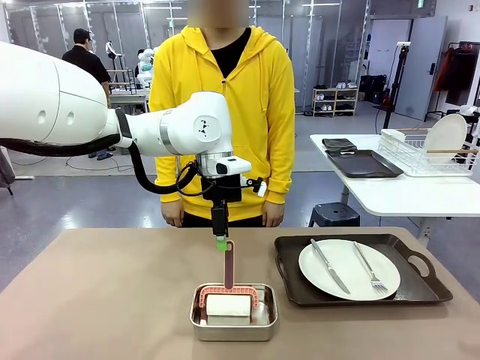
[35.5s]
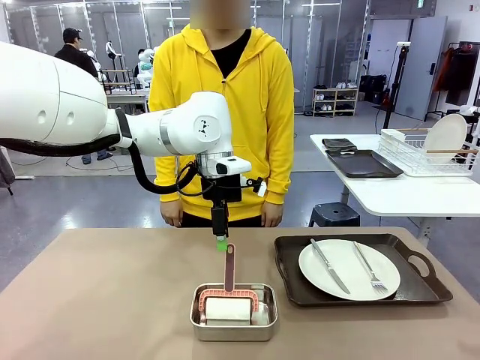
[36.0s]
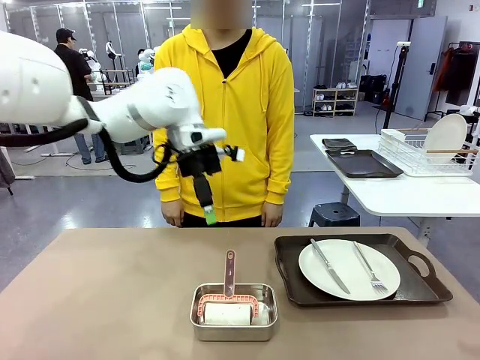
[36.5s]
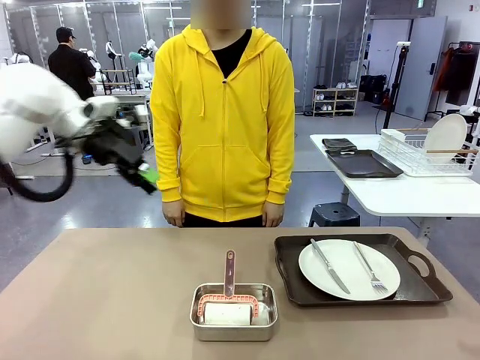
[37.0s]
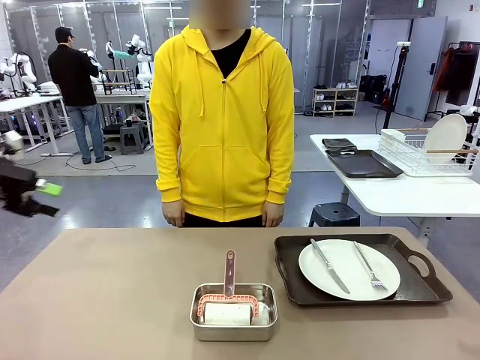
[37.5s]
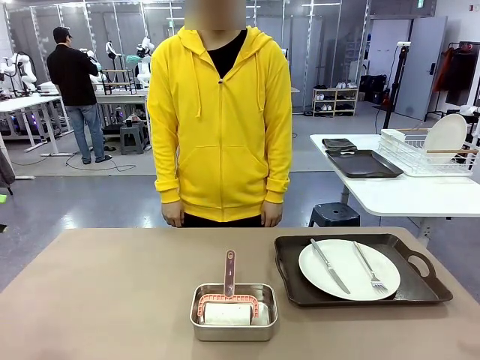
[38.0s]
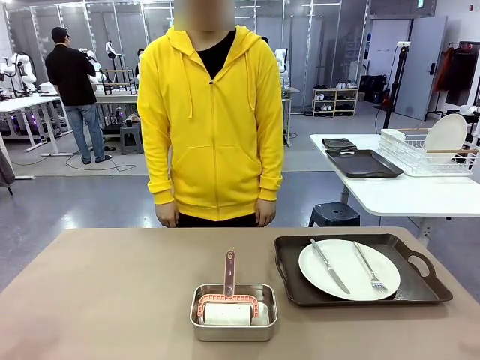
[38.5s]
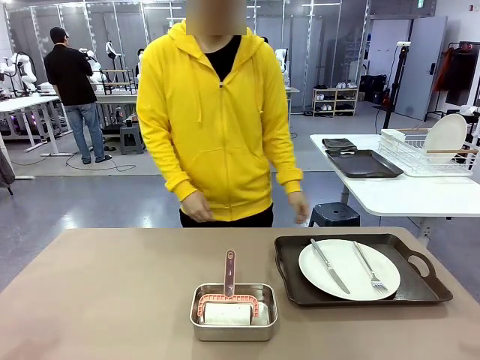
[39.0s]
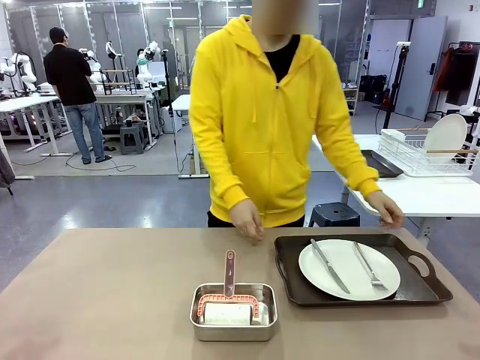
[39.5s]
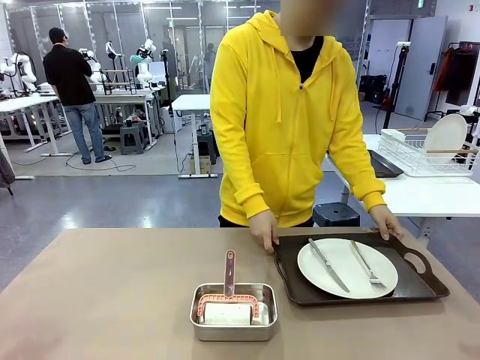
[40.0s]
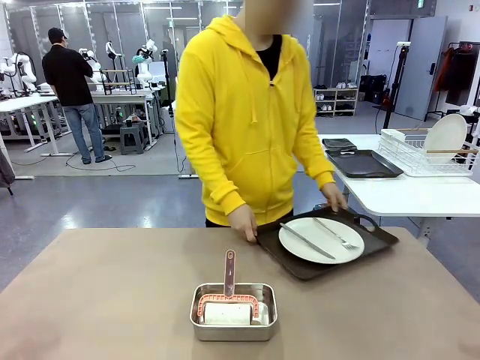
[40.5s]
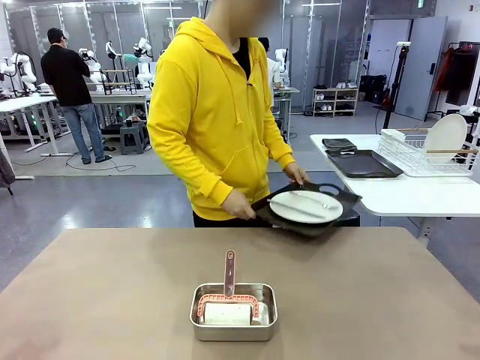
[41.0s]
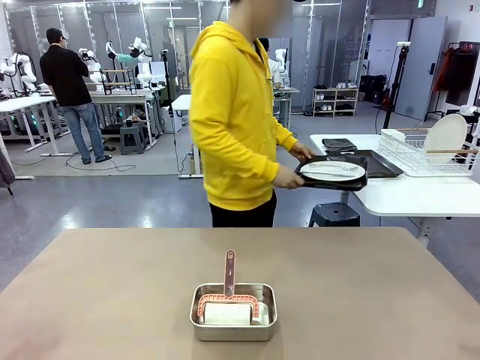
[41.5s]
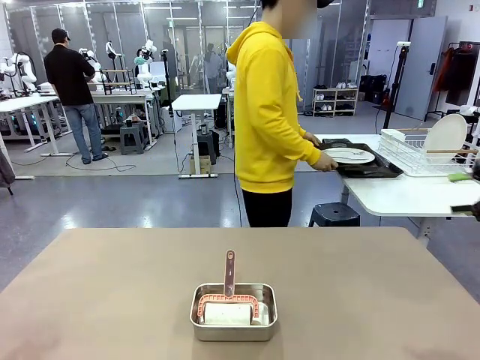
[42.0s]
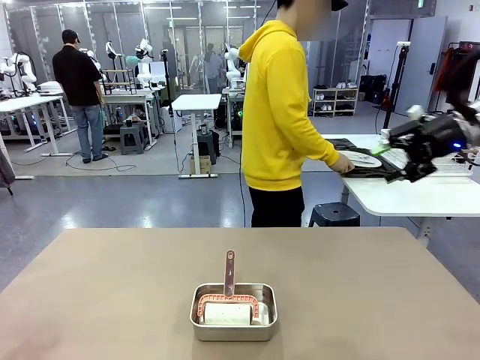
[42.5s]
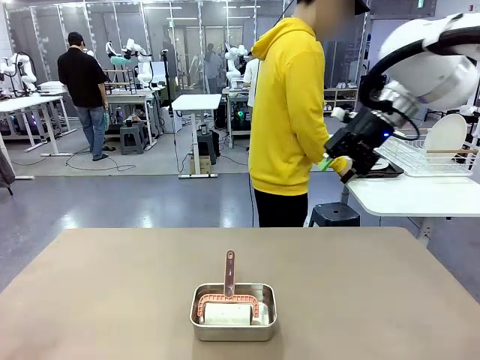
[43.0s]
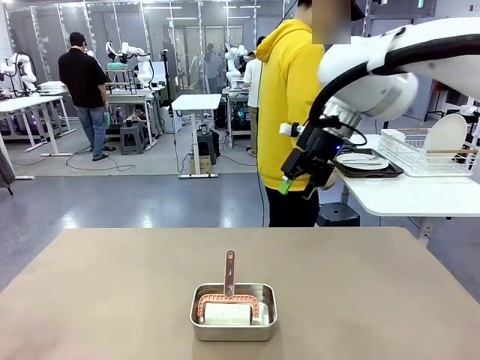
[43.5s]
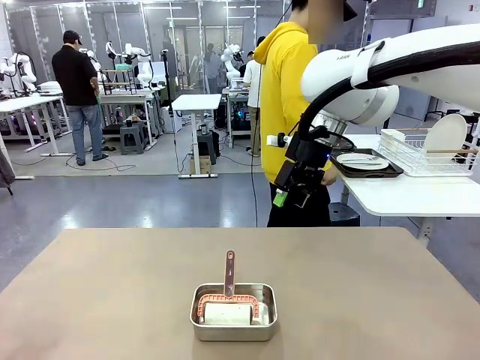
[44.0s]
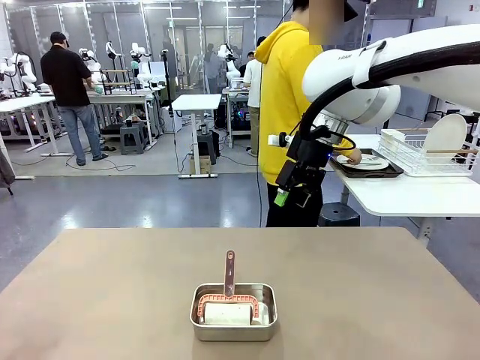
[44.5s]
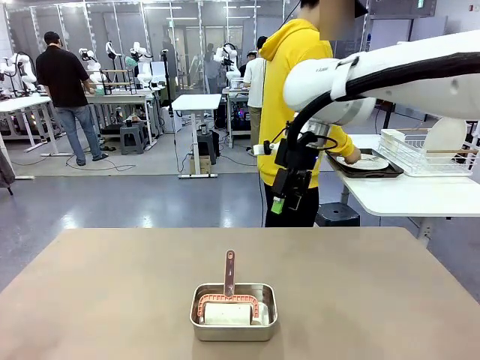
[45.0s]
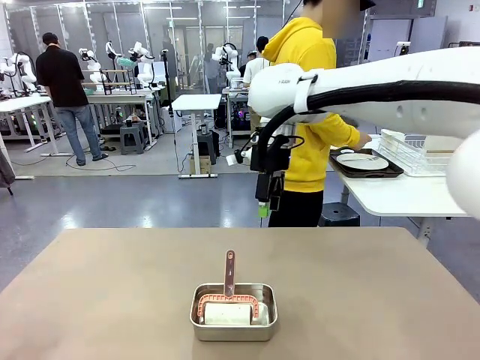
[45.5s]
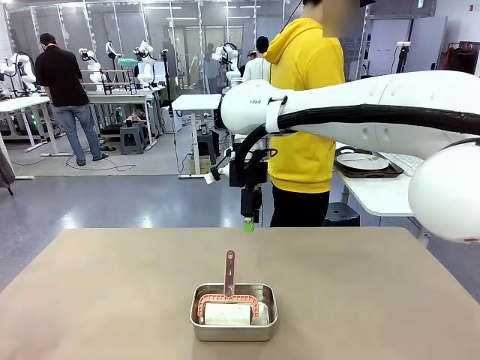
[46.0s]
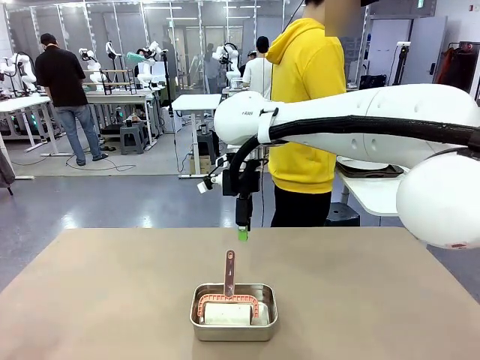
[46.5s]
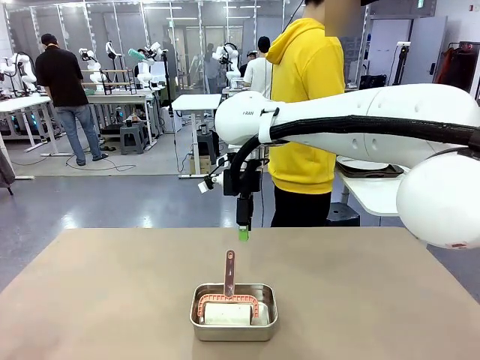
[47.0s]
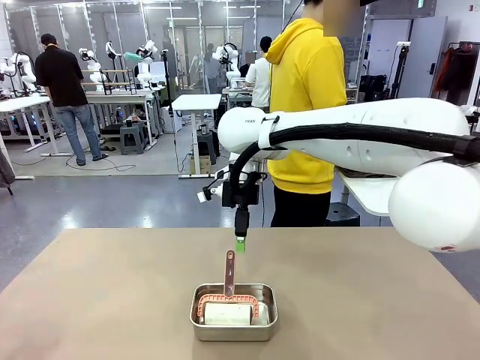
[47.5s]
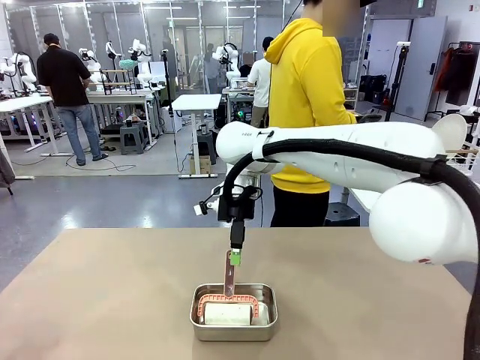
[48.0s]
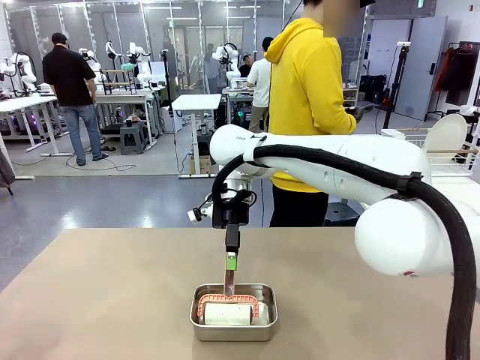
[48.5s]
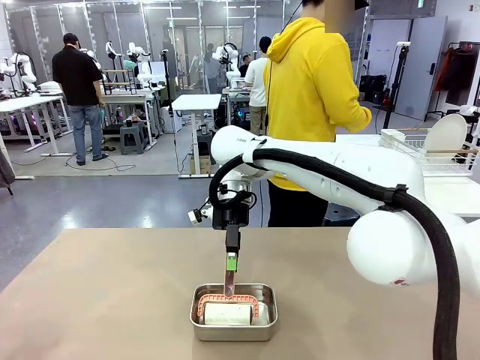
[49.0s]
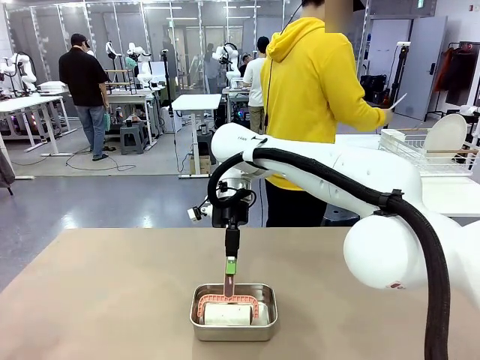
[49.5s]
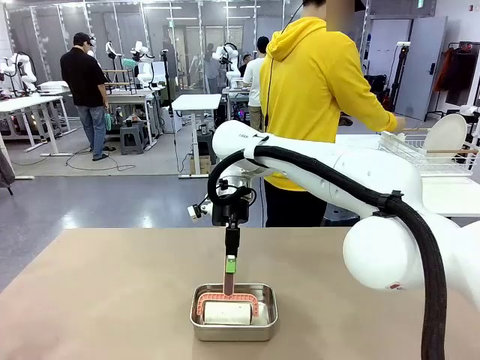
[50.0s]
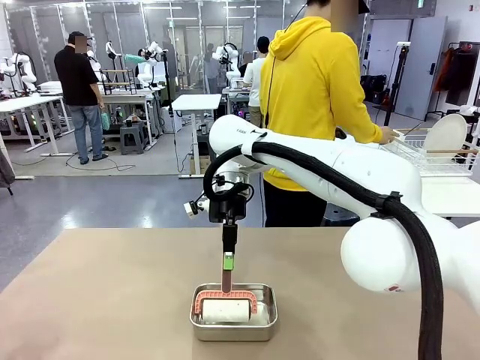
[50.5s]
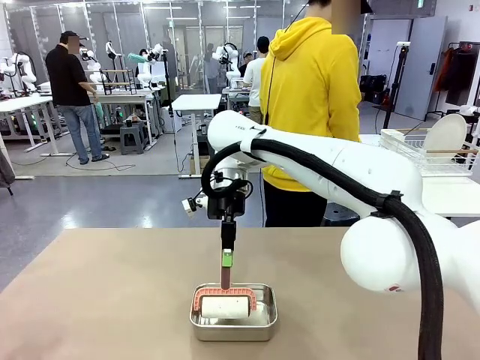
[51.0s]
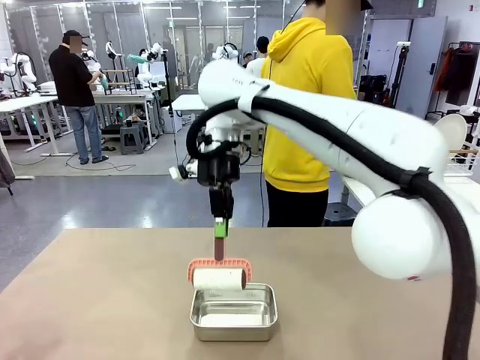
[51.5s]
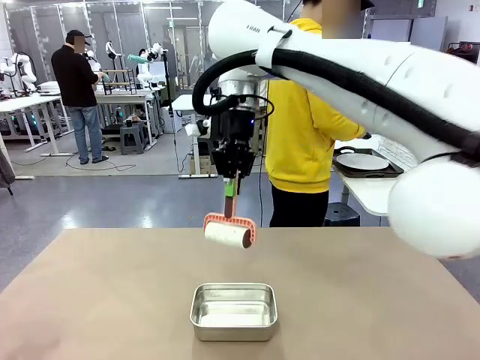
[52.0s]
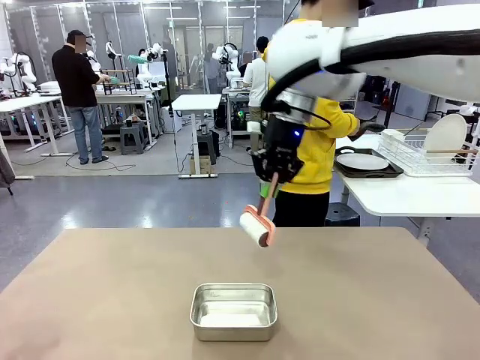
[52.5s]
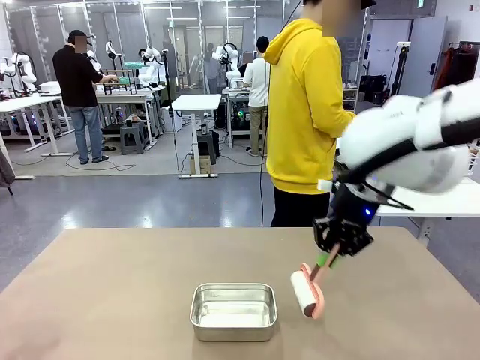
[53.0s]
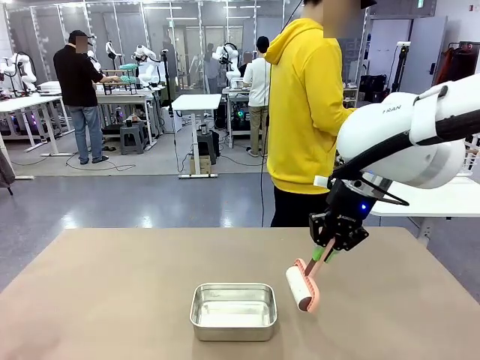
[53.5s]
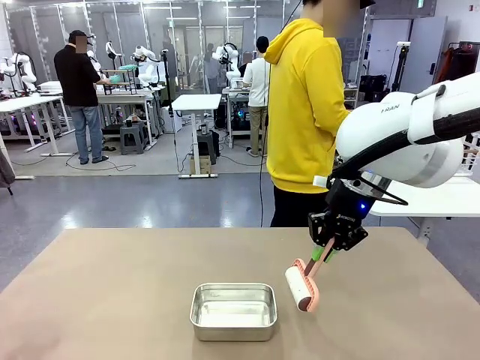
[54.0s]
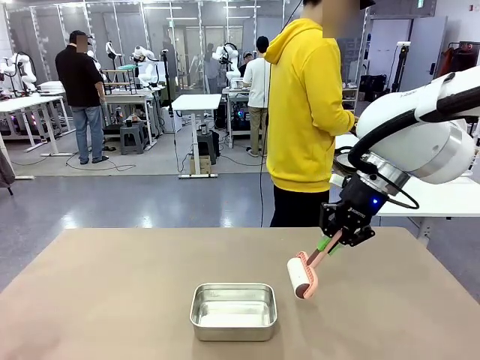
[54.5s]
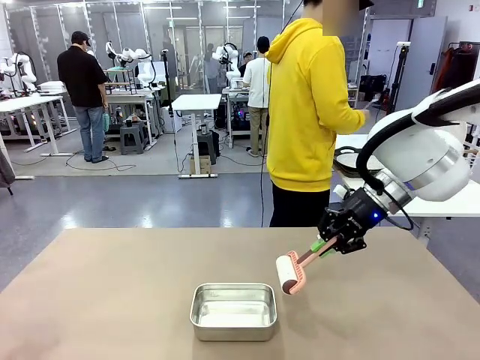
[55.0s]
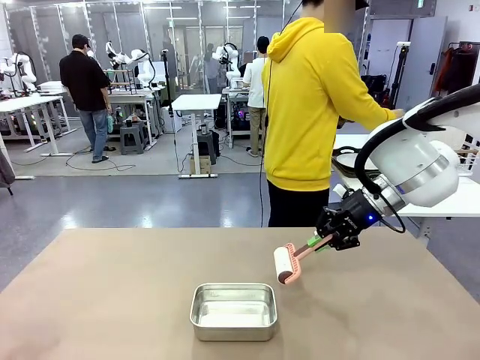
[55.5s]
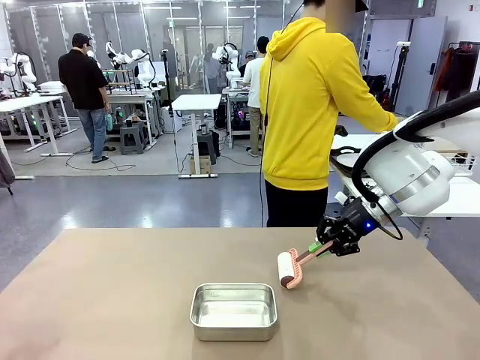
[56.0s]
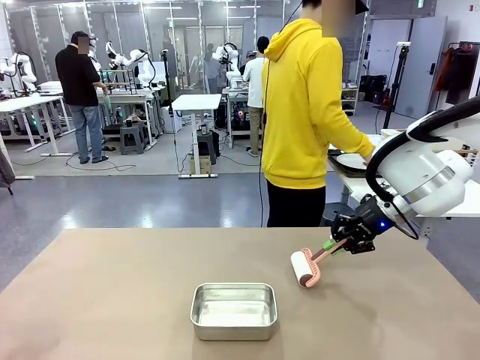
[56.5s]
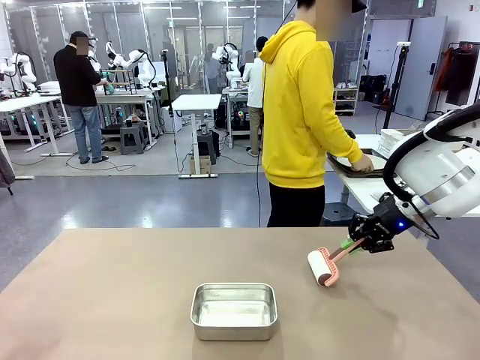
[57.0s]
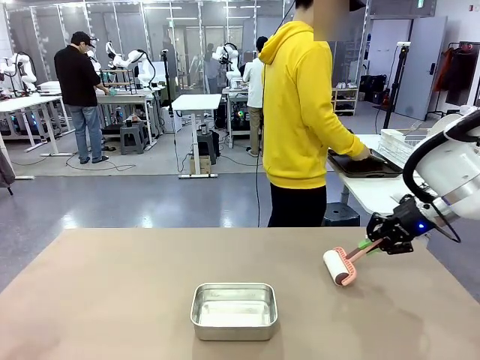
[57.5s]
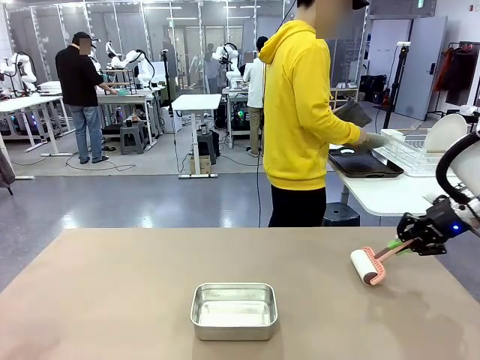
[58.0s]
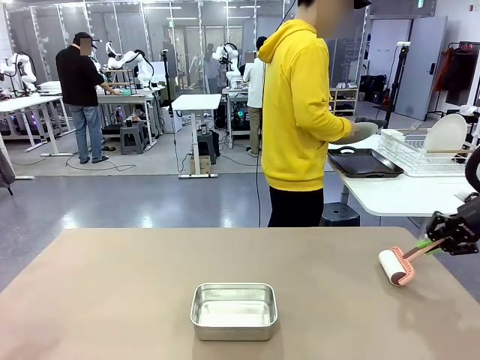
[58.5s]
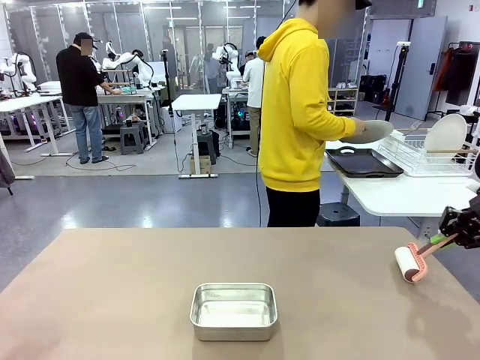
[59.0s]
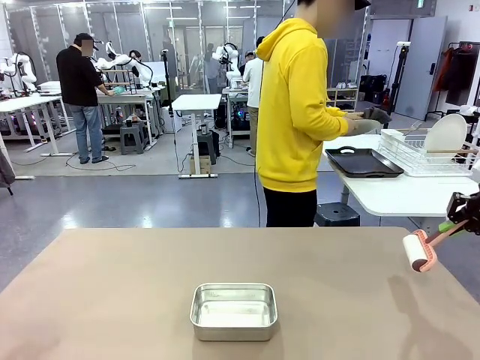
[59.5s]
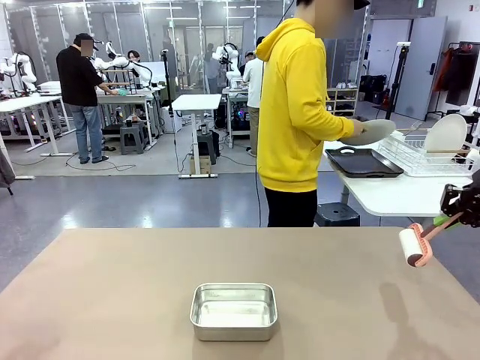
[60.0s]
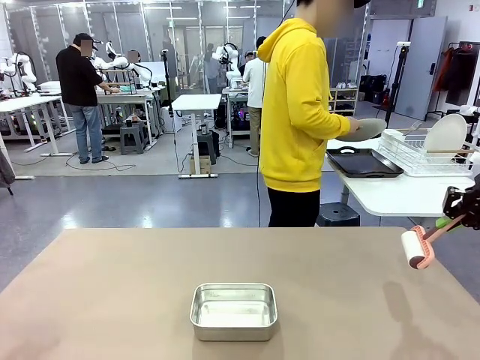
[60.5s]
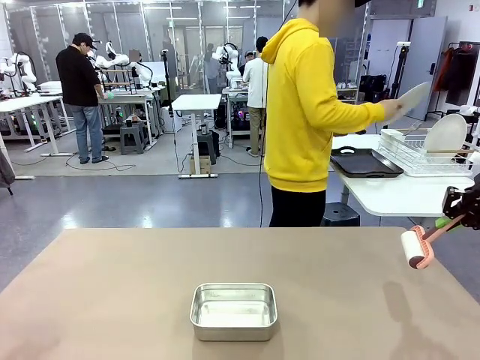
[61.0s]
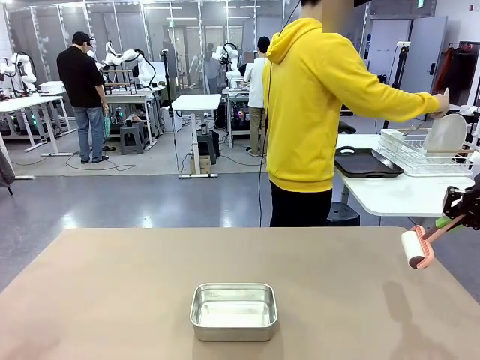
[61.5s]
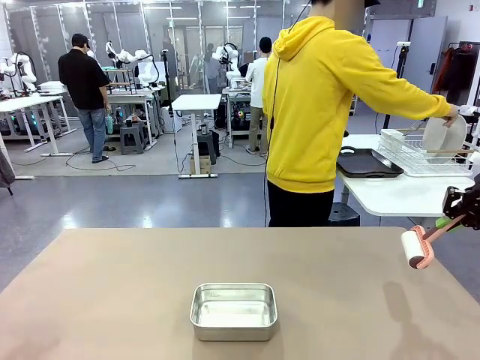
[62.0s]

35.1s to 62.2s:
Robot: When the right (or left) Handle tray is removed, use the right hand (or left hand) to clean the right (or left) side of the table with the Lint Roller.
Person: Pick up the left (or right) Handle tray and place it on the Handle tray. Use the Towel with hook to wipe the Plastic Matte Plate , Fork , and Knife and place into the Dish drying rack.
